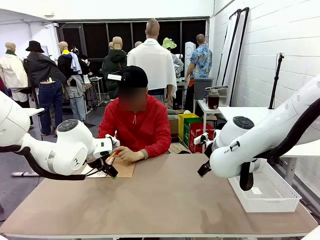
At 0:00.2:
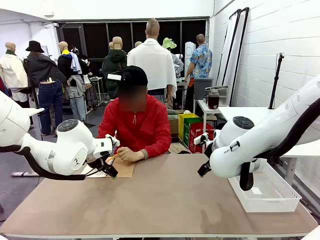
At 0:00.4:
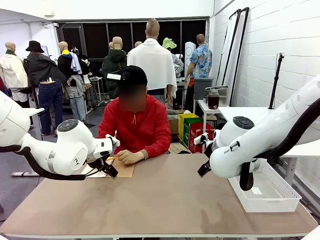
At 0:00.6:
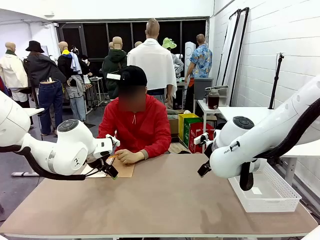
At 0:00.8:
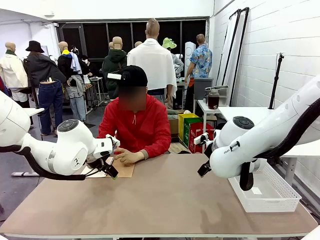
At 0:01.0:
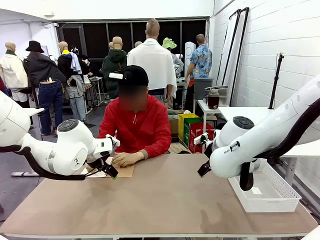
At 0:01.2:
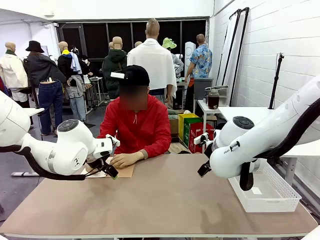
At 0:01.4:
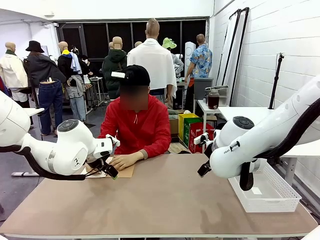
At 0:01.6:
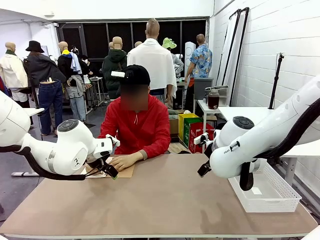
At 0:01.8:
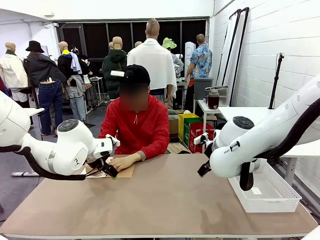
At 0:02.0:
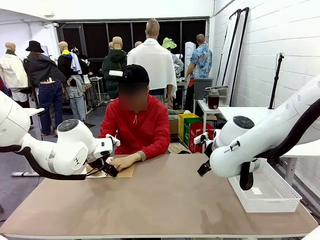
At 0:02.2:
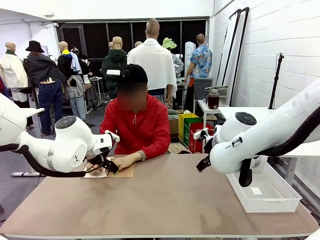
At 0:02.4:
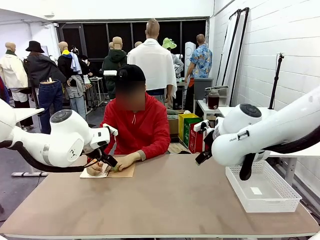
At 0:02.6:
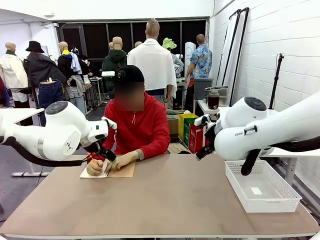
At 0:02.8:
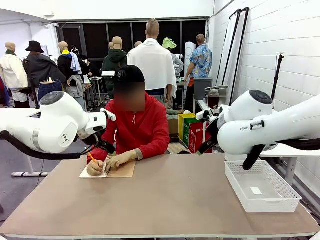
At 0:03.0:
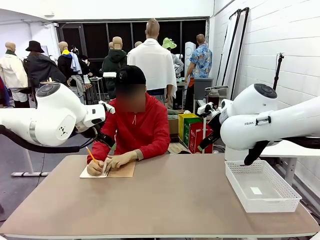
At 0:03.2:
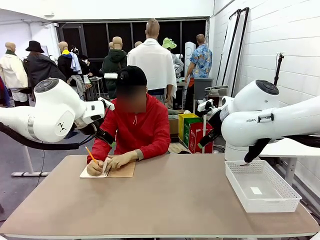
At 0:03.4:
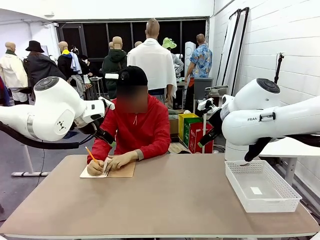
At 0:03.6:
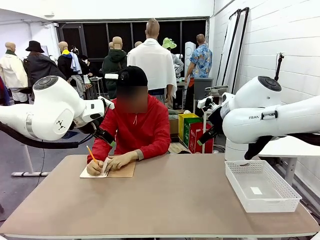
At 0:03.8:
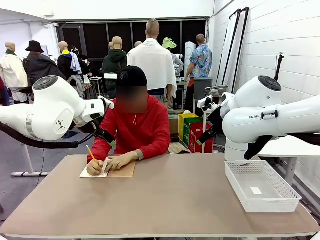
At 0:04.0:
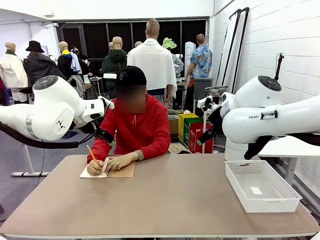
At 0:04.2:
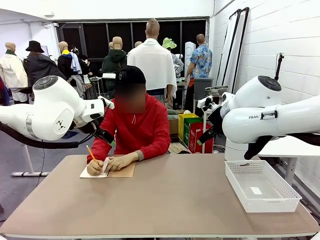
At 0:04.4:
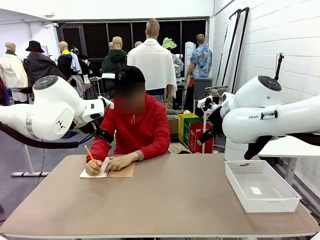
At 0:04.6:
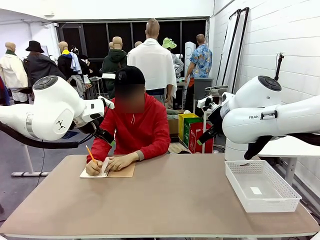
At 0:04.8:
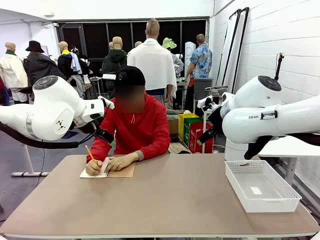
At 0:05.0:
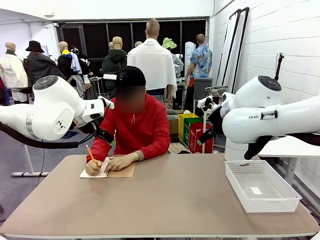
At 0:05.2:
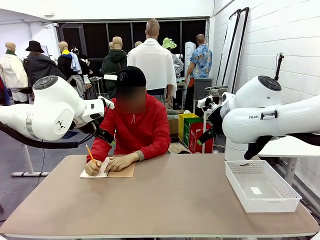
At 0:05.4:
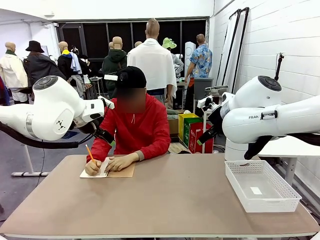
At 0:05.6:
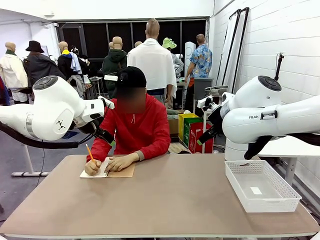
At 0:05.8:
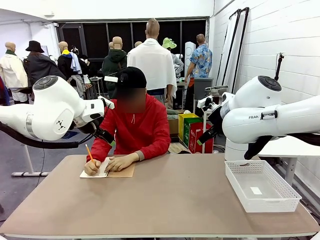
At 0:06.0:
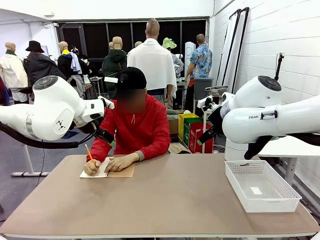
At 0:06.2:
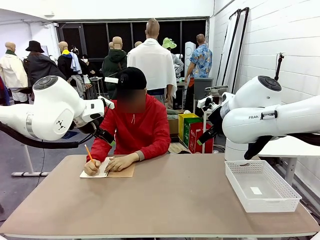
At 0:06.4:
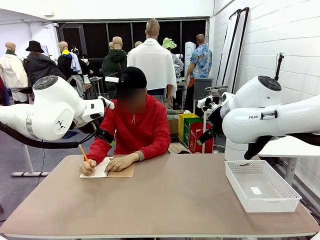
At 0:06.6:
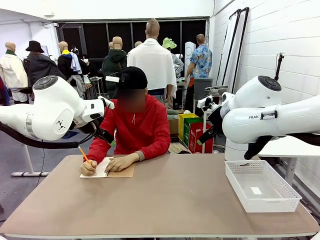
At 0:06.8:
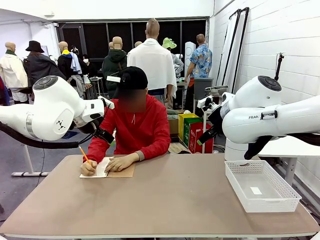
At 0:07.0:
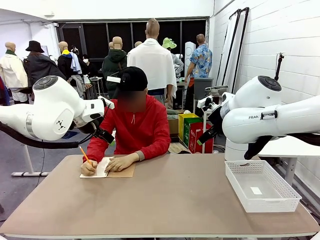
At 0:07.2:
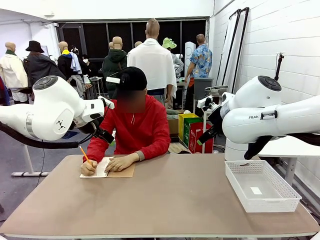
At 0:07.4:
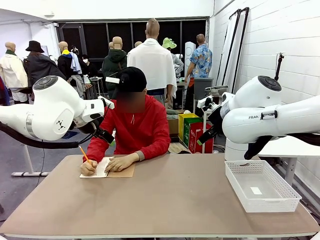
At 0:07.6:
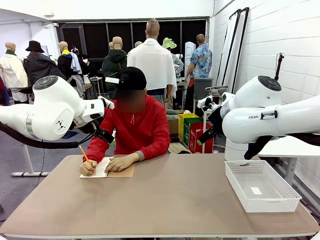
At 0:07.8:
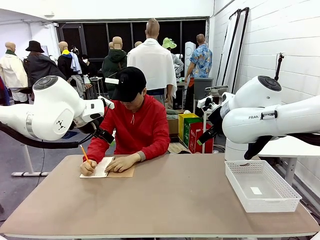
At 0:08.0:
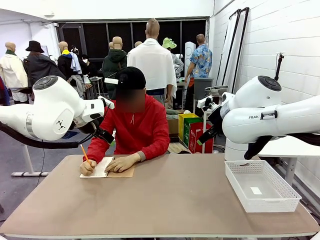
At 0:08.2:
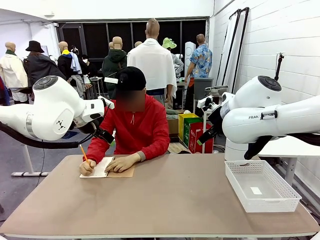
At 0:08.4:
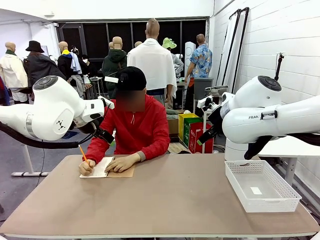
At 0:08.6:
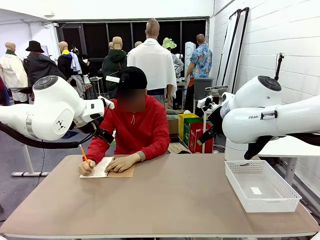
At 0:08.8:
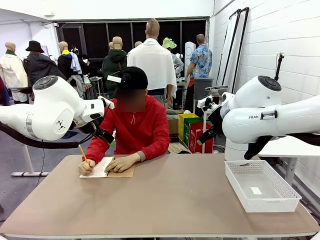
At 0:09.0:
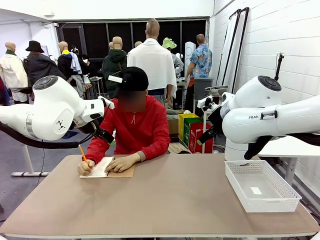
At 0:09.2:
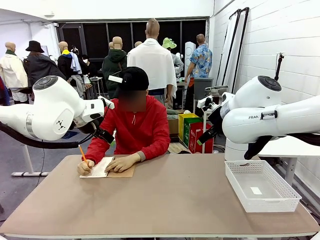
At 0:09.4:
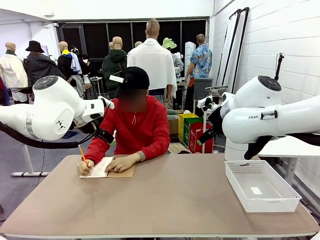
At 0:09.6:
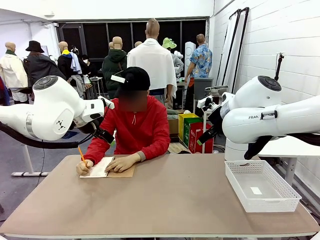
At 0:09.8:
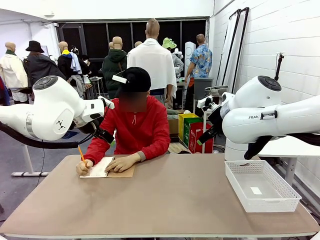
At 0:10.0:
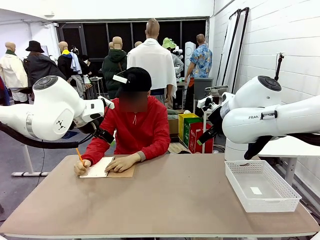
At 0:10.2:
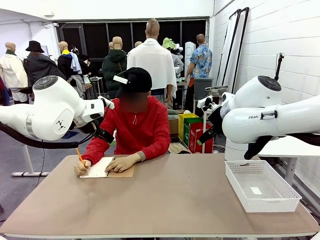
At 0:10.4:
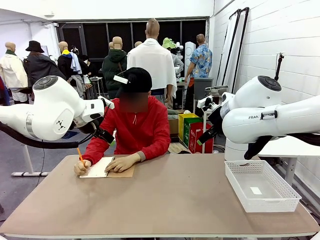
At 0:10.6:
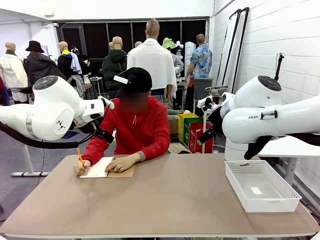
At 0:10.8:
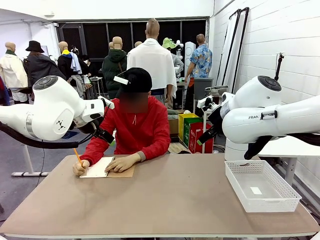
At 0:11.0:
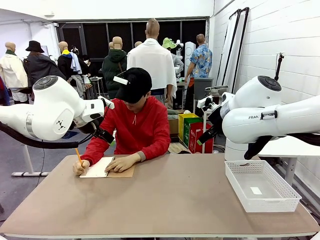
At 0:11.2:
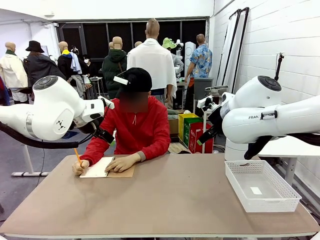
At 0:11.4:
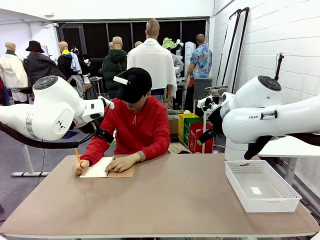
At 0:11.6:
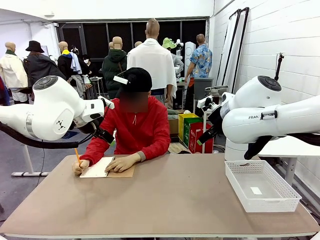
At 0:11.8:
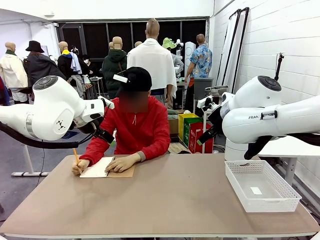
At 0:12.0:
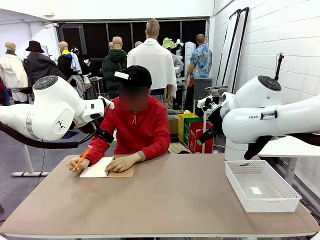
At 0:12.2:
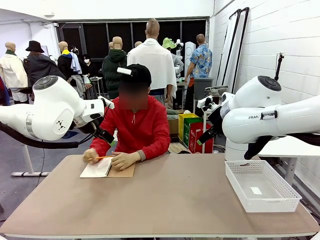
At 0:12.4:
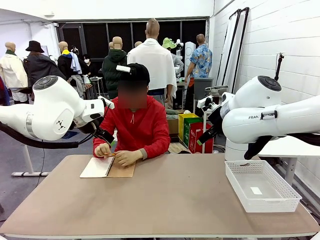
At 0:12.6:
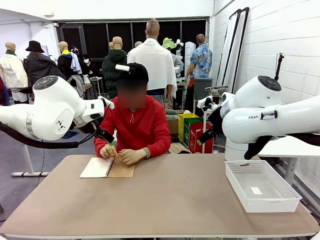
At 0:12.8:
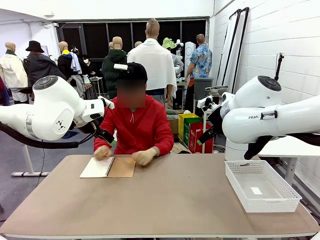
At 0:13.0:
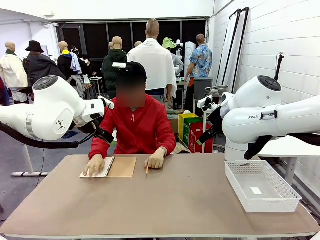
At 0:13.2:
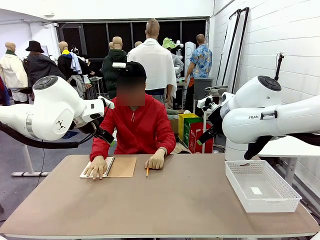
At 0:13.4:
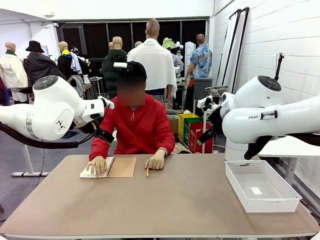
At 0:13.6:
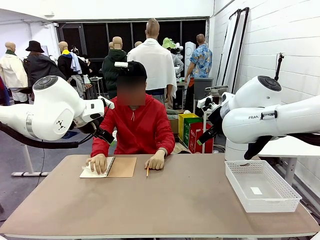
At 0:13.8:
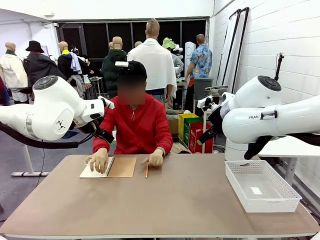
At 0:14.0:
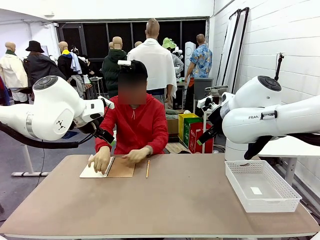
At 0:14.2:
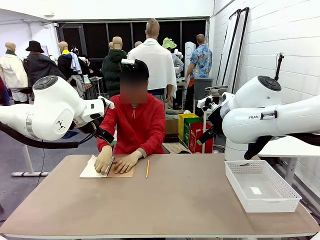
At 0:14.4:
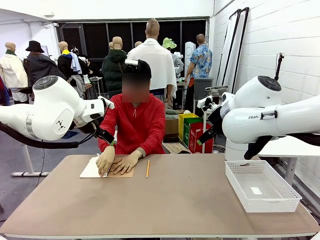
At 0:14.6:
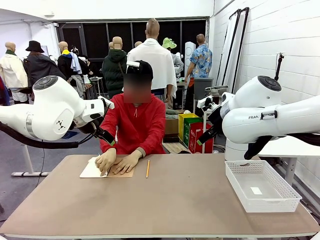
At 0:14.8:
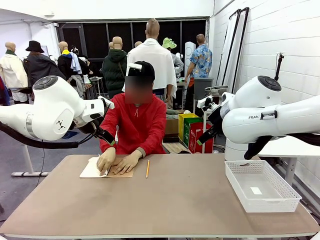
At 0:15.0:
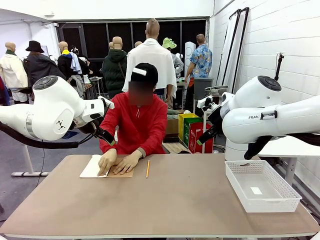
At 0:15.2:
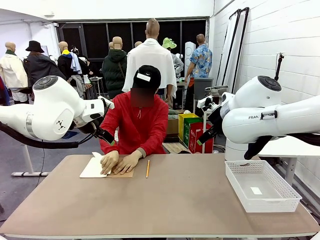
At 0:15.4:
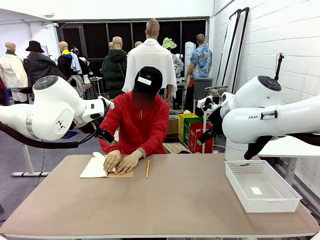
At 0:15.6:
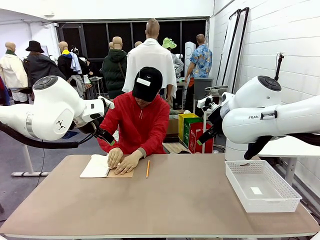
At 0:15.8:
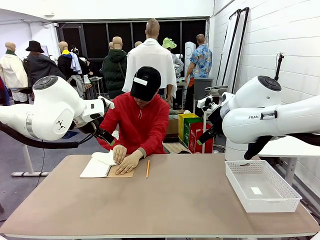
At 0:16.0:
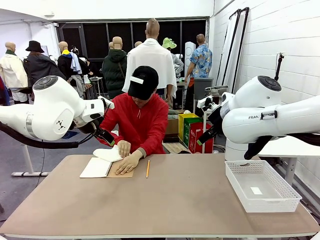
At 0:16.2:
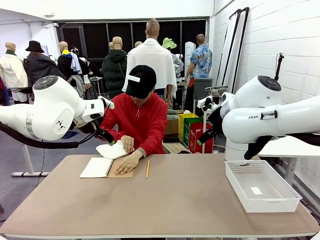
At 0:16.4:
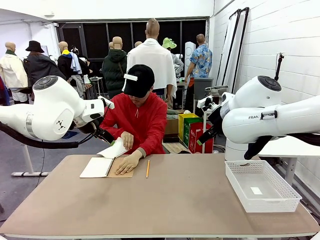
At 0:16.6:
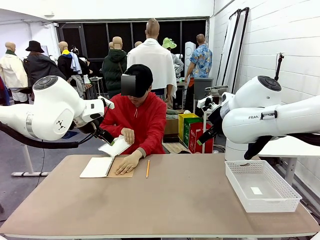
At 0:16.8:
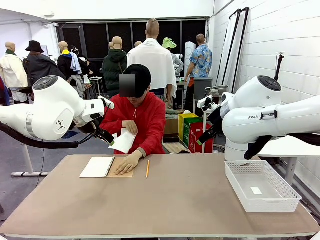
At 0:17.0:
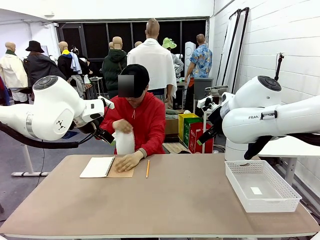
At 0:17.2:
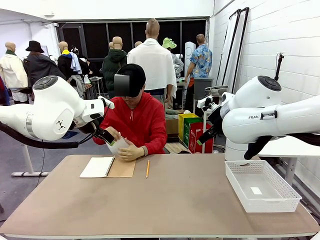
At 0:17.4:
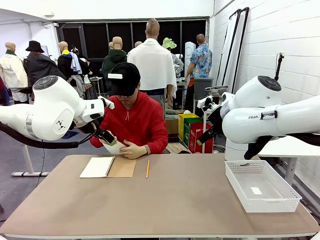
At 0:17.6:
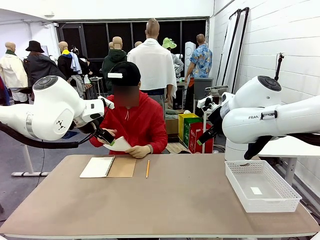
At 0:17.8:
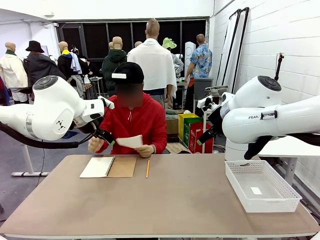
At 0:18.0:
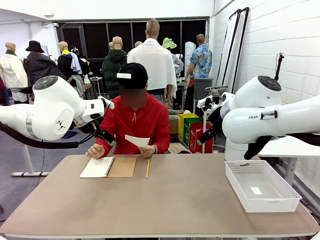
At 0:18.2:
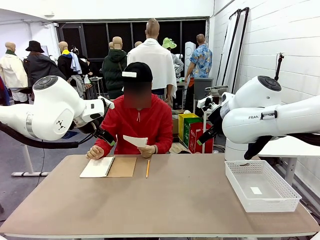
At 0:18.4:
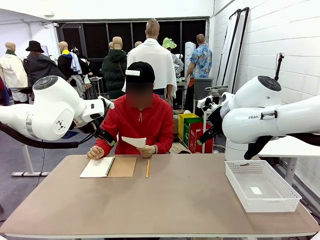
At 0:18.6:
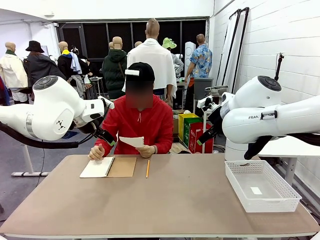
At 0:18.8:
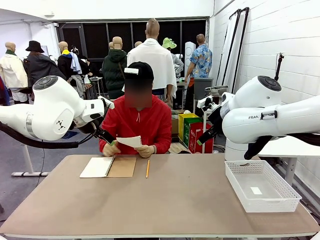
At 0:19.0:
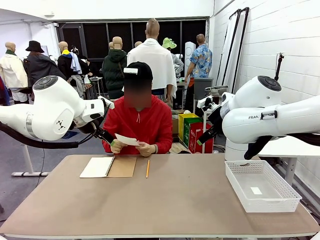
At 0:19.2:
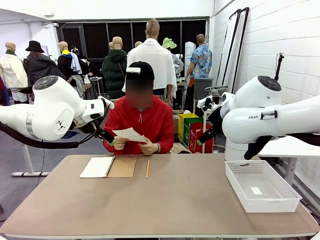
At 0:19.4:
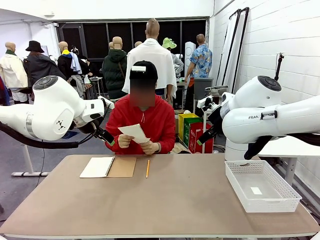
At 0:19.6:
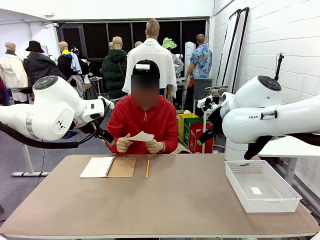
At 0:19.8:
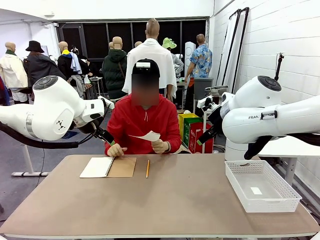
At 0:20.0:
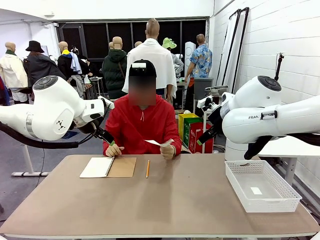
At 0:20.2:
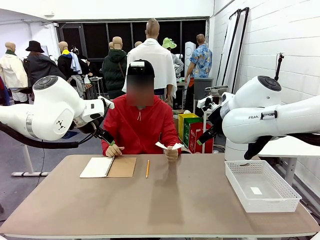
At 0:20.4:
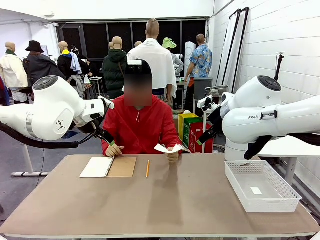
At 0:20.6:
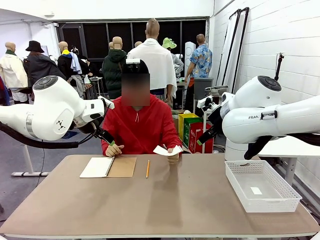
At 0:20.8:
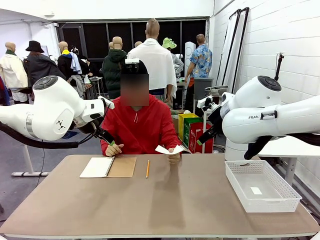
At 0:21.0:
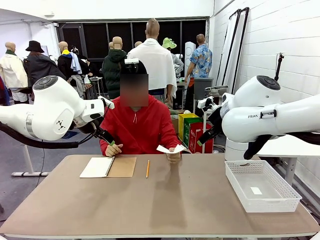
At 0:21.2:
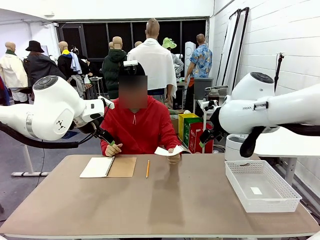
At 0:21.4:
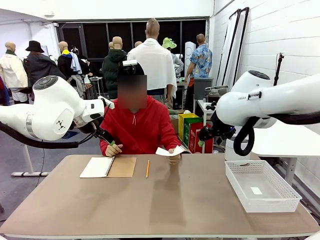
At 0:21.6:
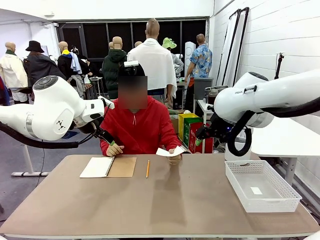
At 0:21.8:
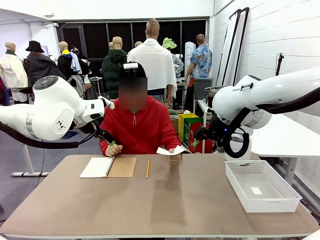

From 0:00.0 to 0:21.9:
Task: Sort the paper based on its condition.
Robot: If a person hands you a paper, place it in the Organizing basket , and if it's crumpled, put it in the Trash can.
Person: Tear out a page from the spiral notebook. Hand the torn page to the robot or crumple it and throw it to the center of the table.
